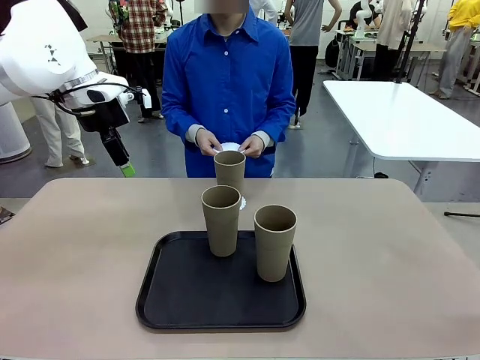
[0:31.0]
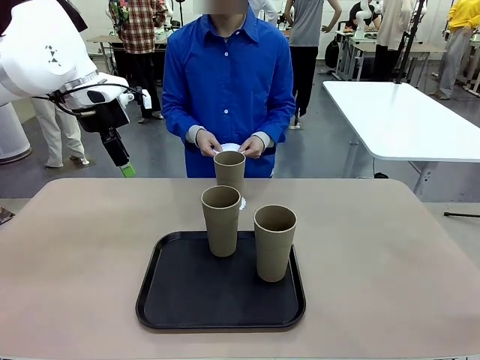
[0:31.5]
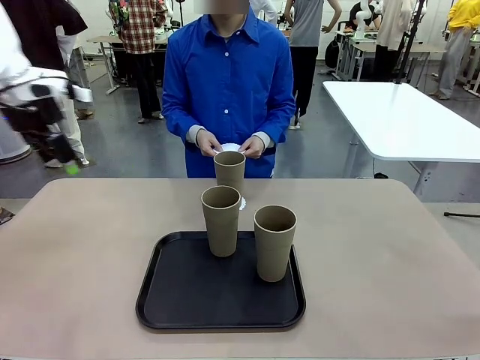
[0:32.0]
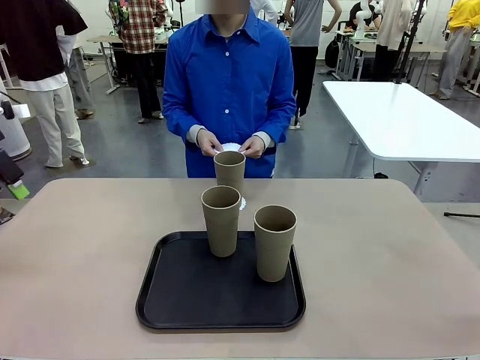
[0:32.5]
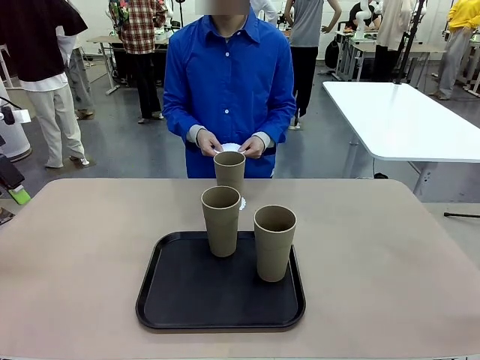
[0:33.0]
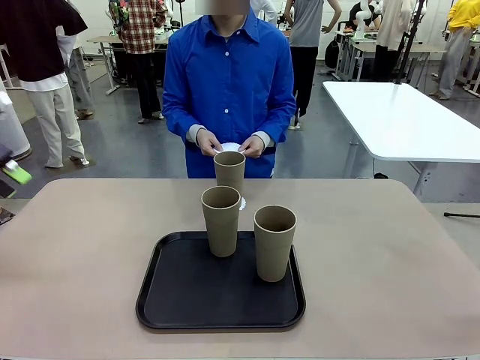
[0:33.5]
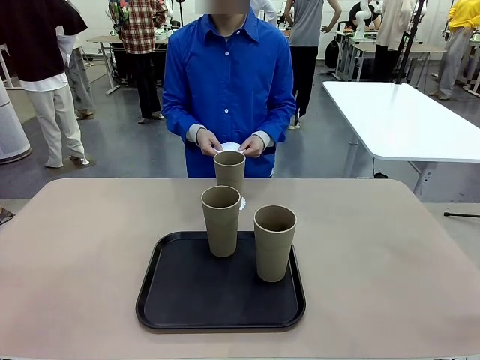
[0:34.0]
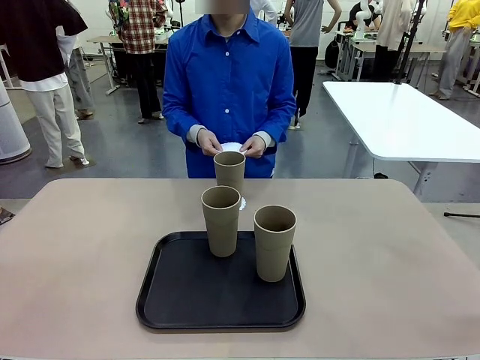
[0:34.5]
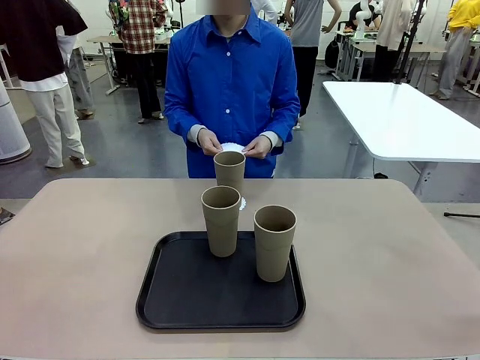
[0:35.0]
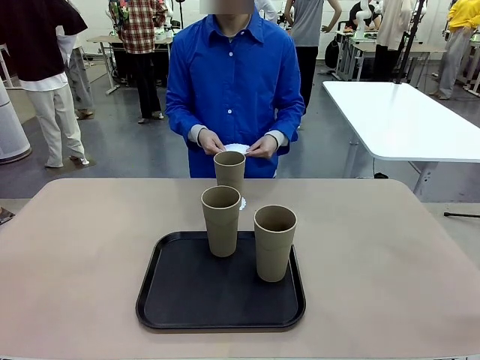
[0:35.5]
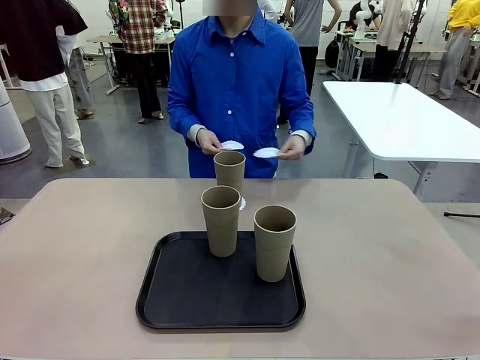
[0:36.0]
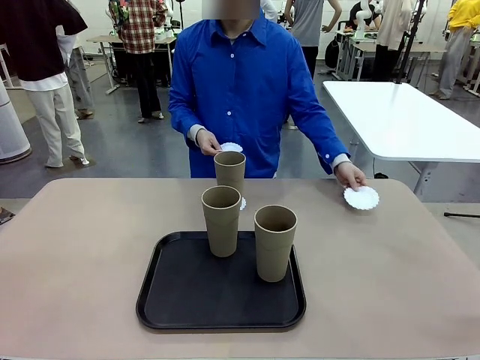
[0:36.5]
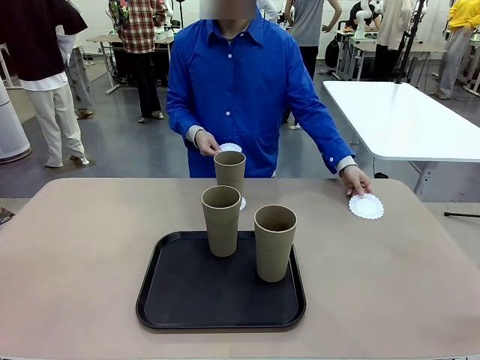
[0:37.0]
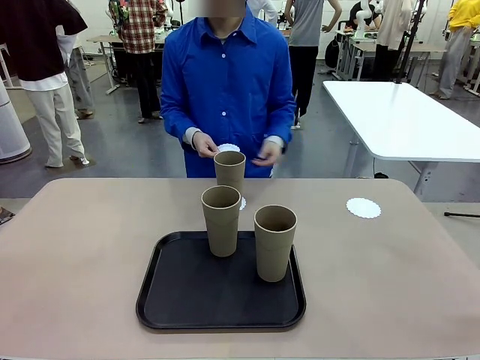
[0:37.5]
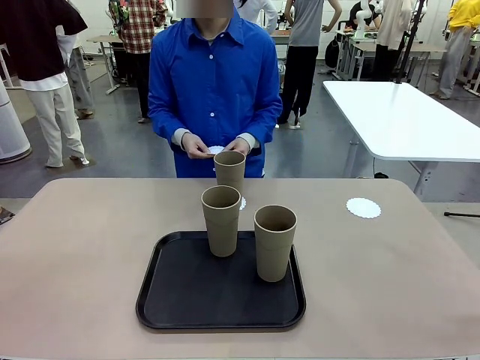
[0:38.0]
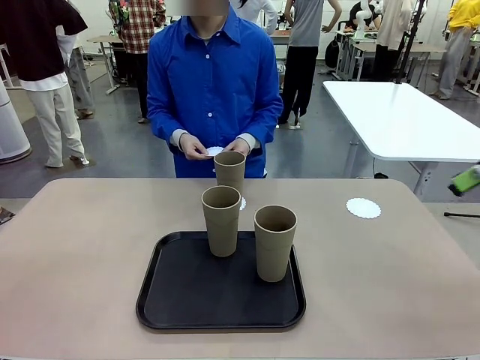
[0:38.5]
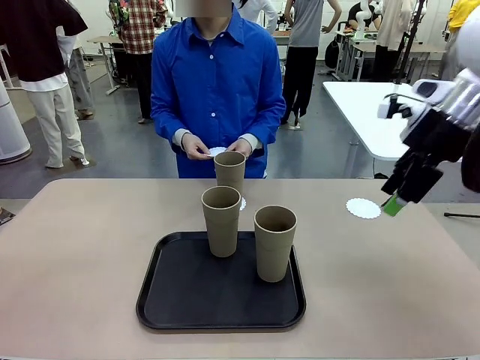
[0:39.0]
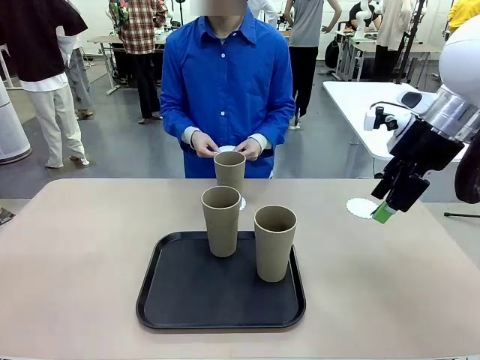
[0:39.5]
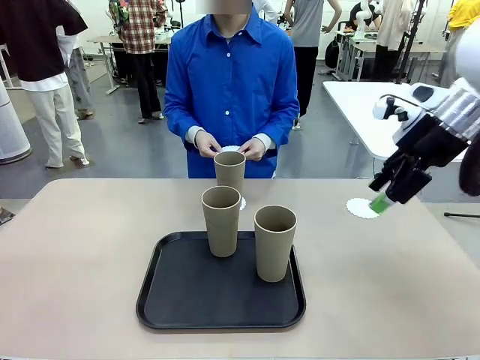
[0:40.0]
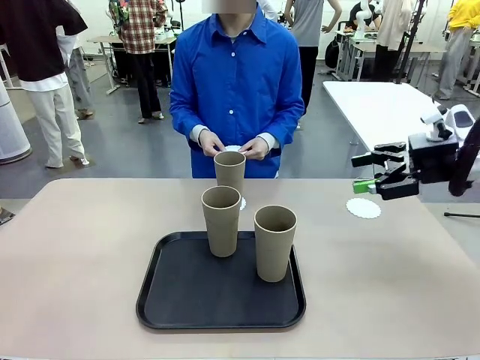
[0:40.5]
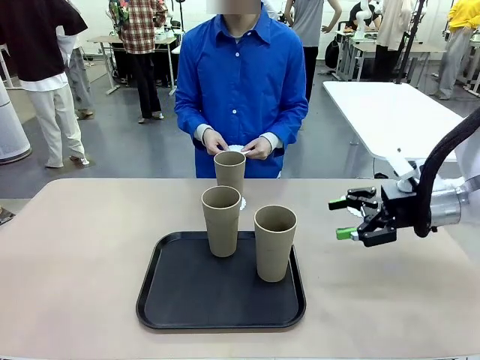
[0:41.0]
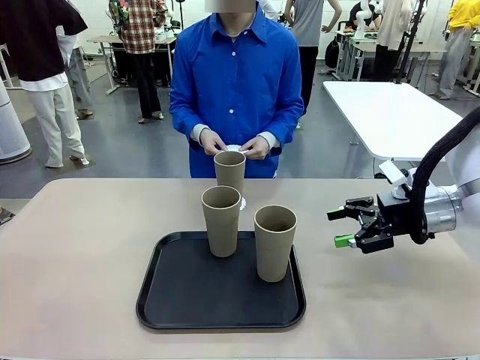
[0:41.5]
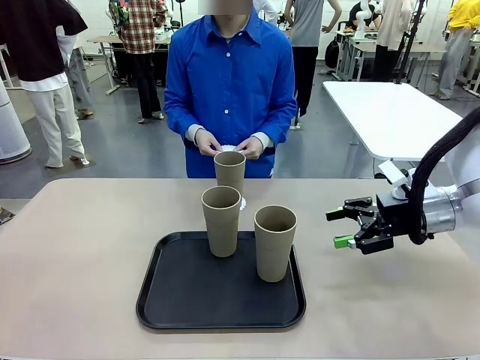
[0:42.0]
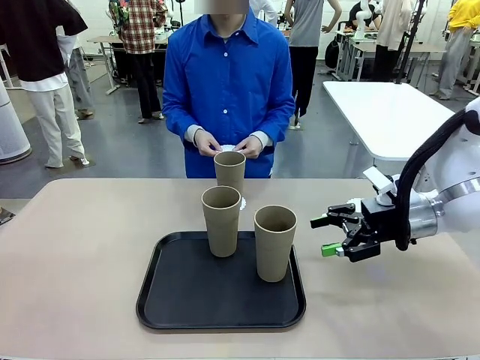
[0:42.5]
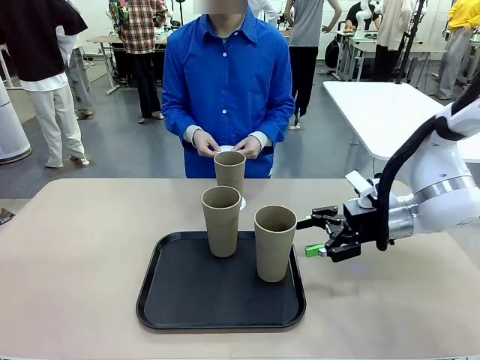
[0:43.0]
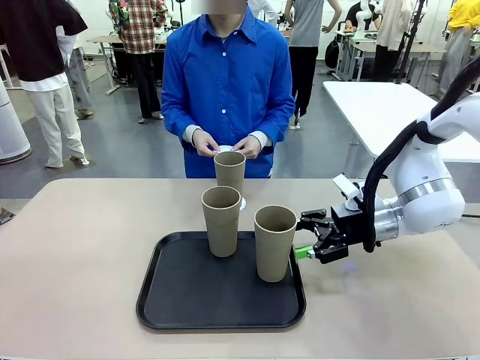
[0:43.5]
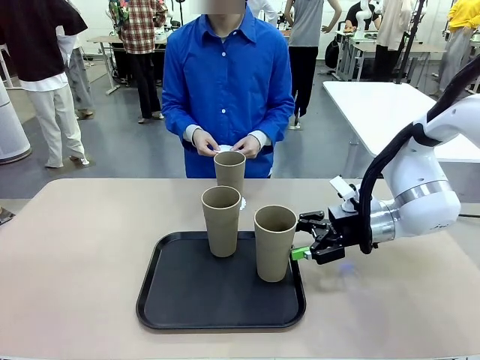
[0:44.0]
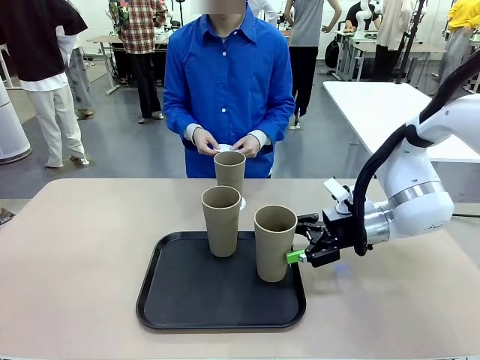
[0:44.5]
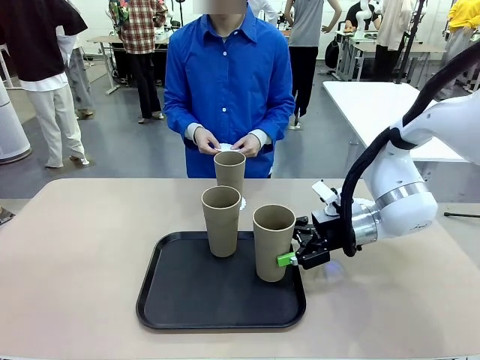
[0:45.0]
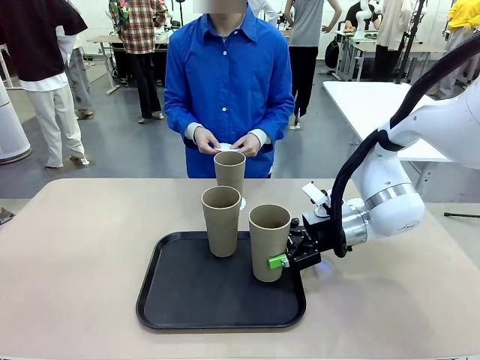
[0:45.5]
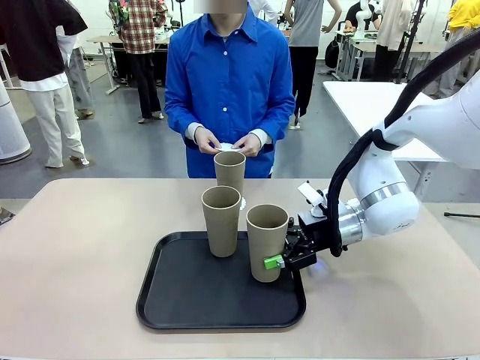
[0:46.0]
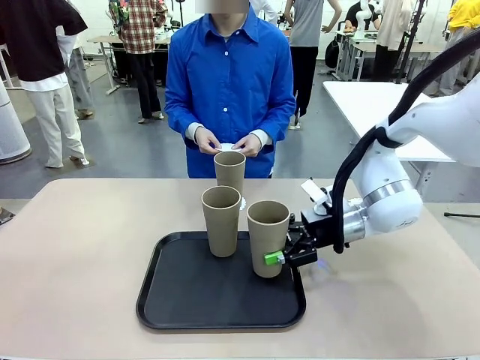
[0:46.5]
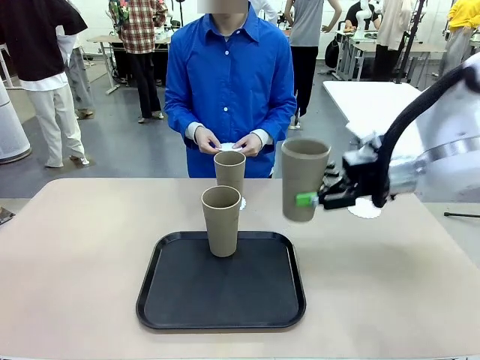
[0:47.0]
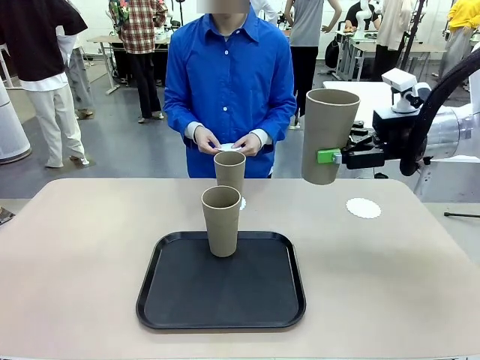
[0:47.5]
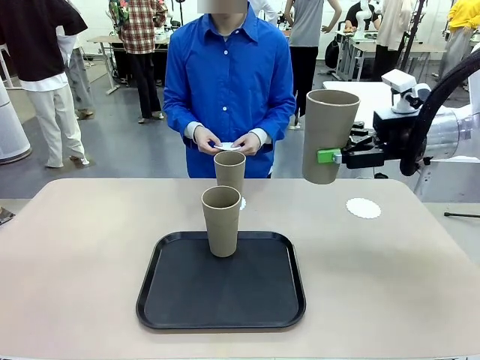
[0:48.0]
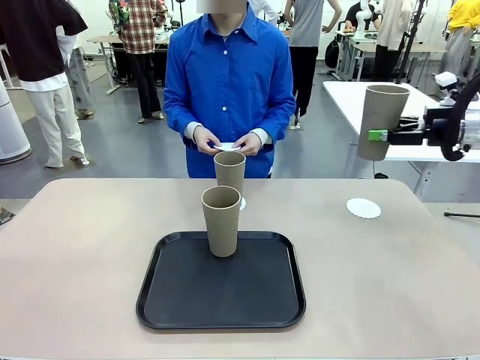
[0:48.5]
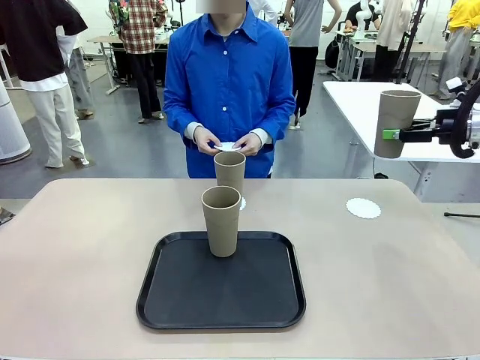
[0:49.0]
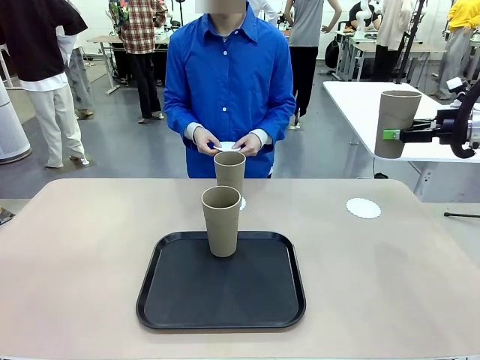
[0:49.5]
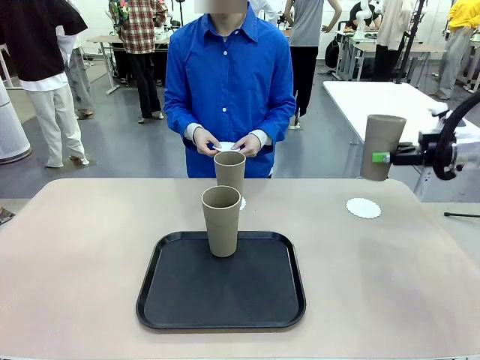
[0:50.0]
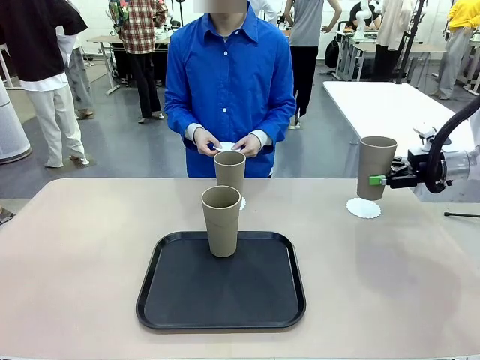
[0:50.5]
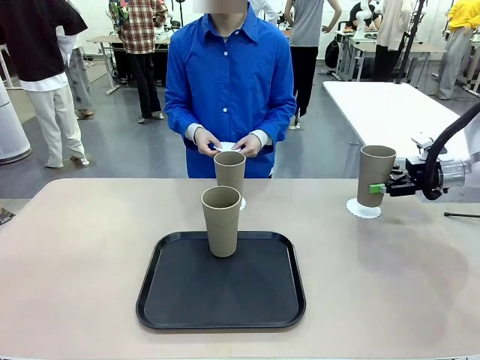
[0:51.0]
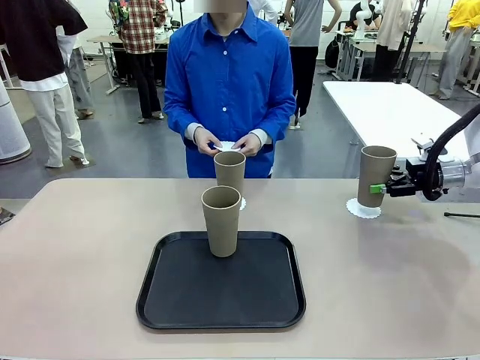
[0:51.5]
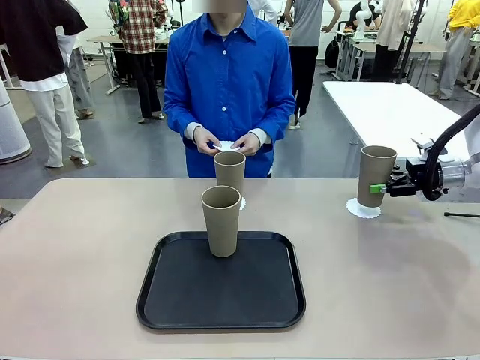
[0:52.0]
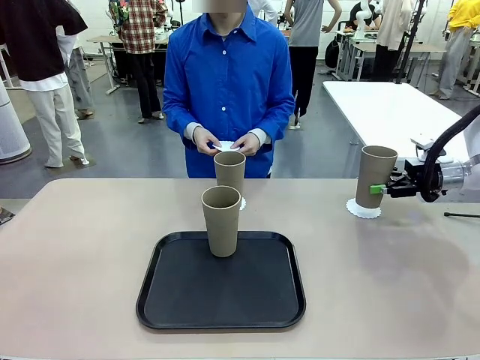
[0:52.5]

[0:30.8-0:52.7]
Task: Place coasters on the table and set cups on them.
Robot: Take one Reusable plastic cup from the Flat Tray and place it on a coaster set by the human.
